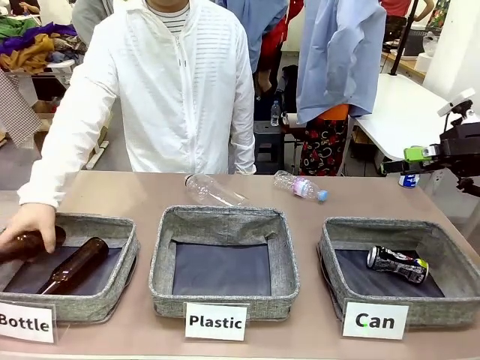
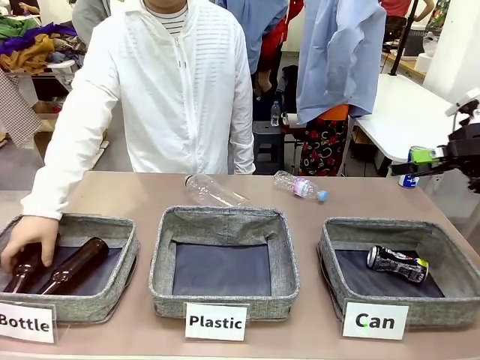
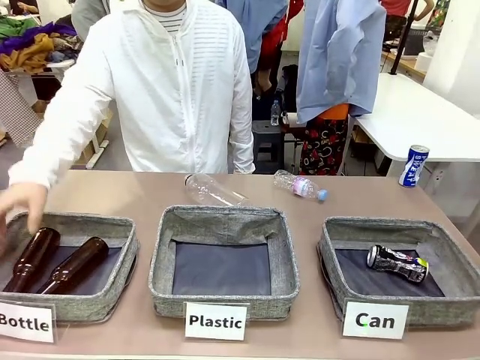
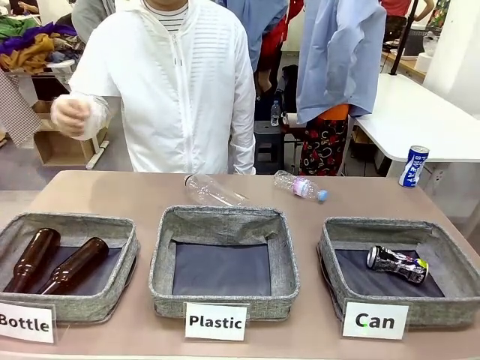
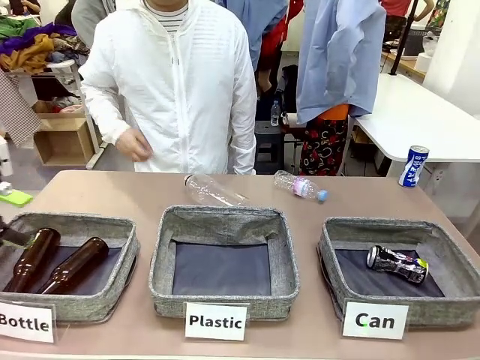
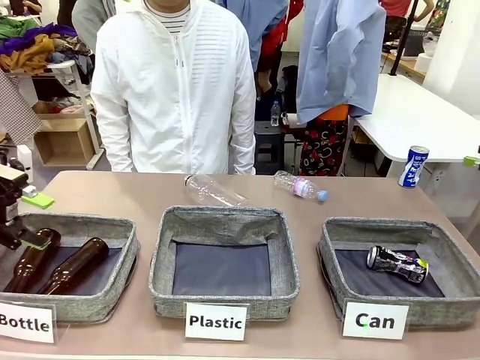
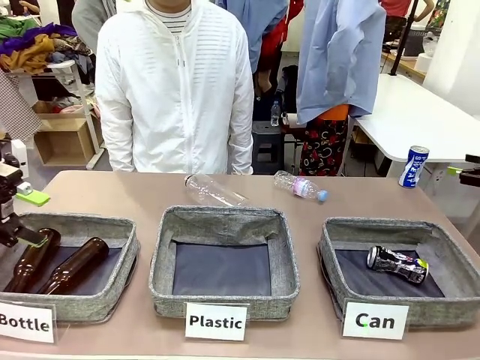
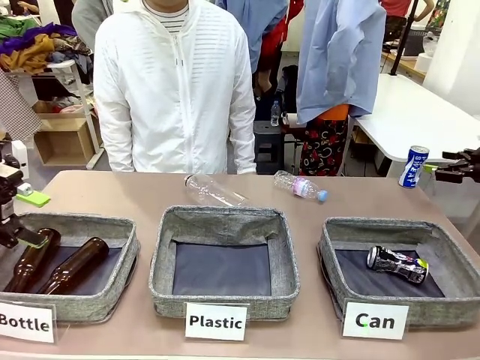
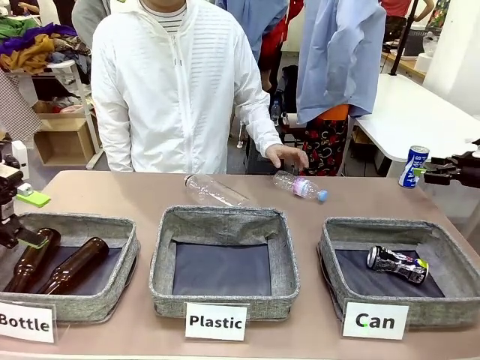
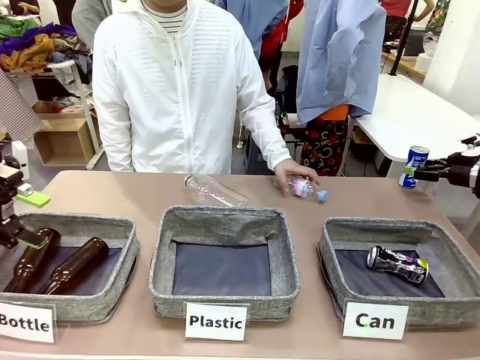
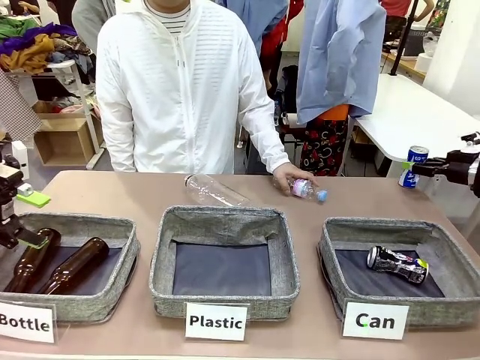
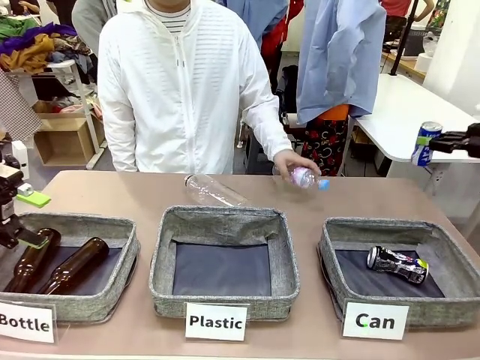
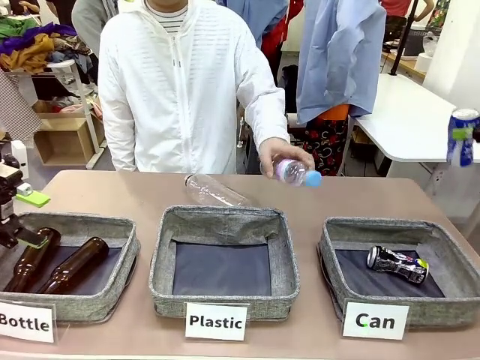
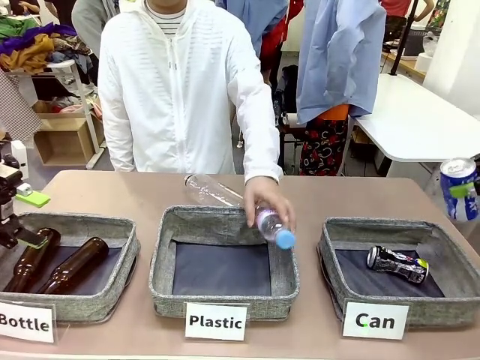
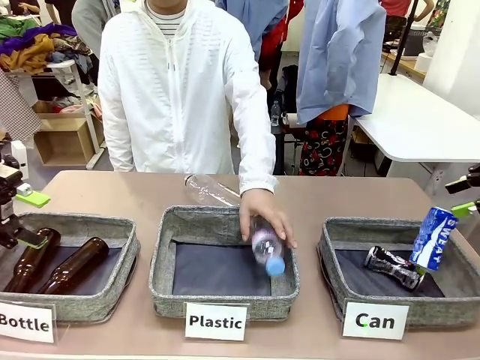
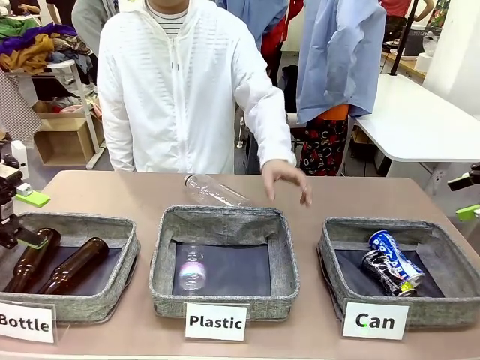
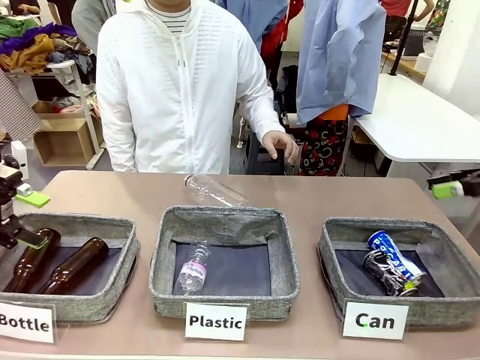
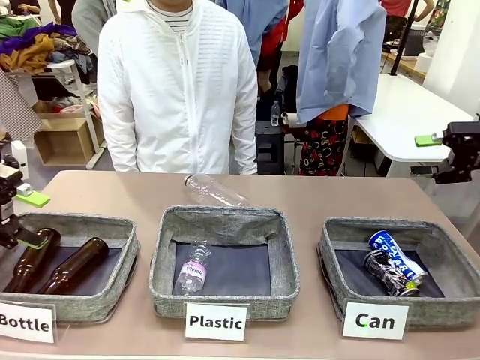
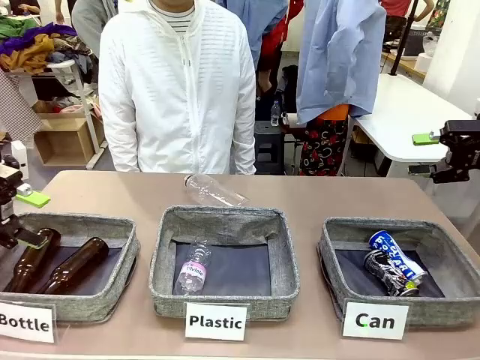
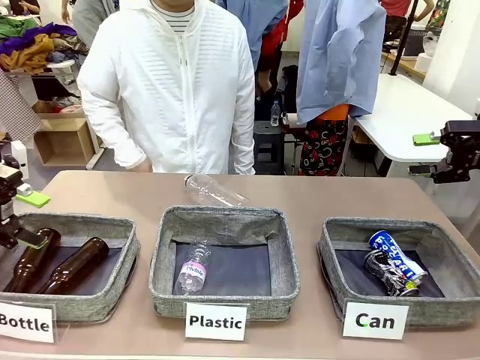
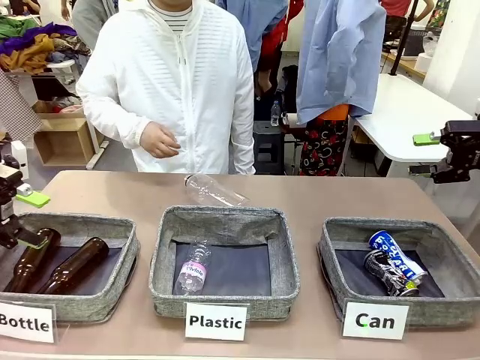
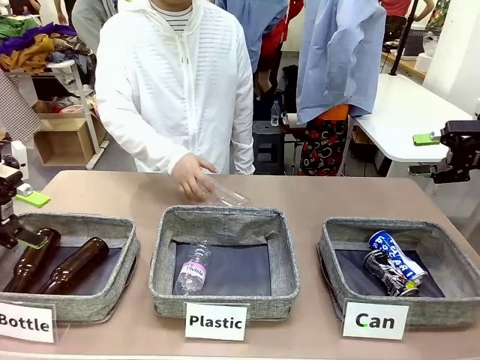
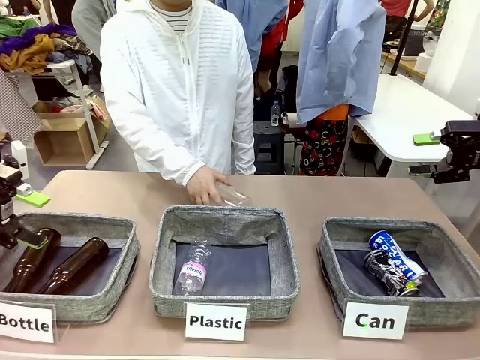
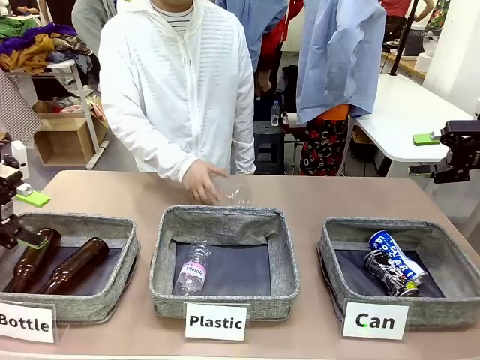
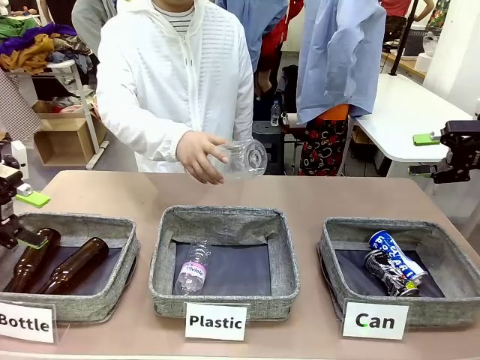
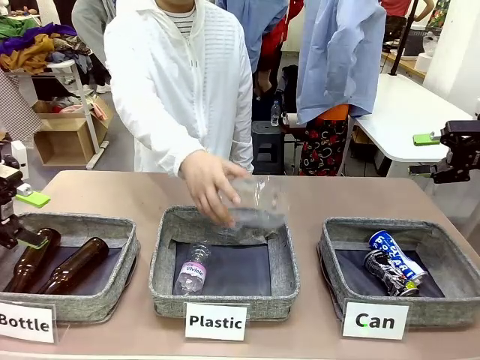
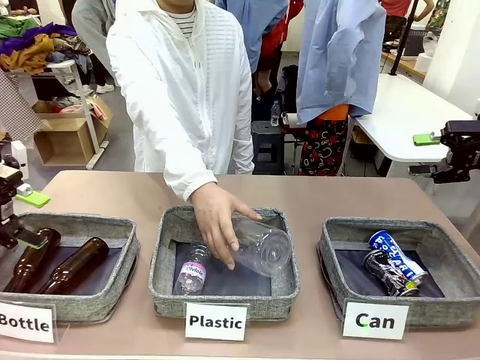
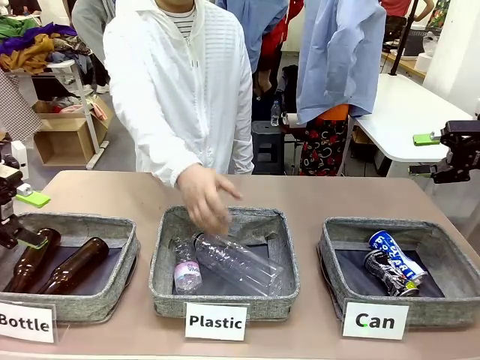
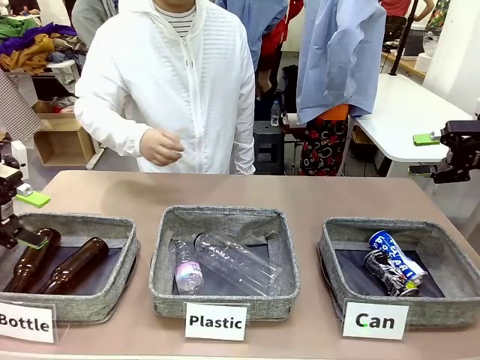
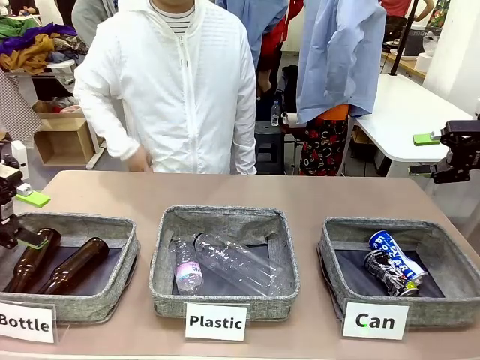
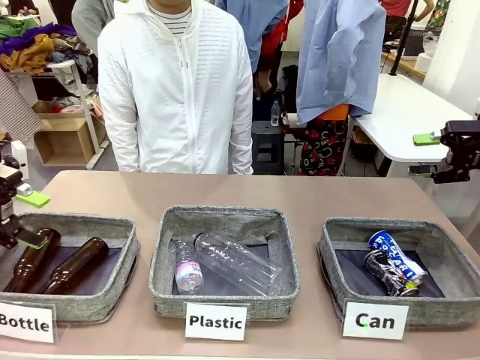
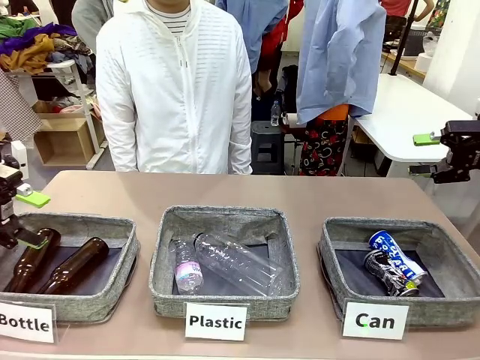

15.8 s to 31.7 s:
Task: Sort the can waste into the basket.
Robot: Pick up the can waste from the table and place it in the right Fabric basket.
Person: The human picks up one piece of trash that is not a can and places the trash into the appropriate organizing basket.

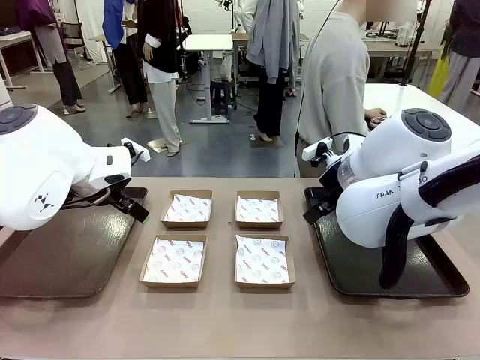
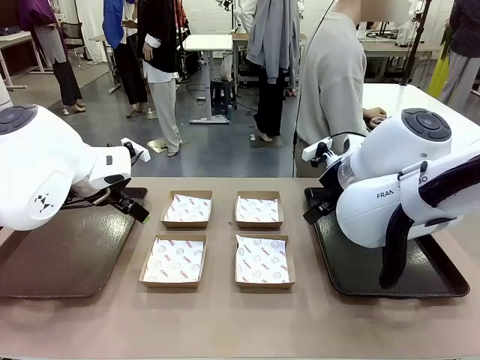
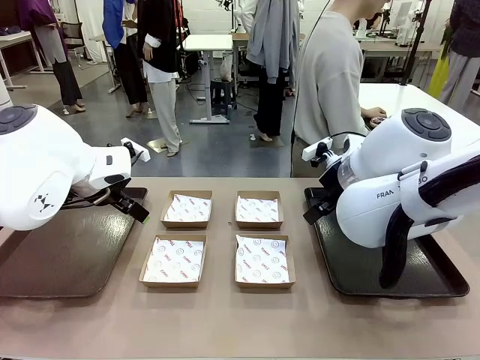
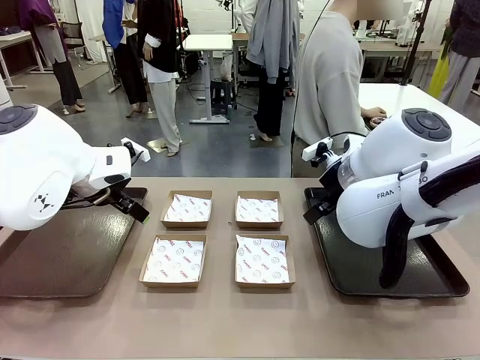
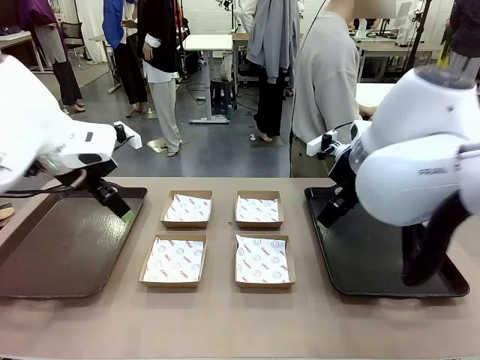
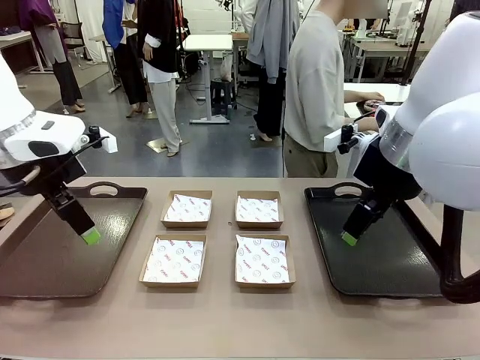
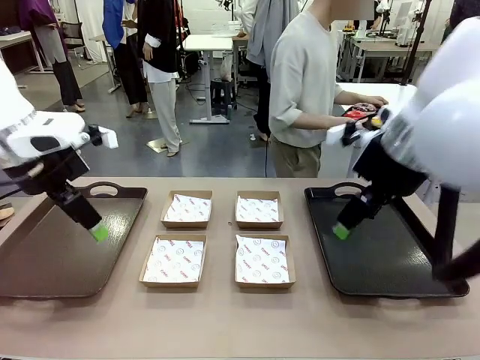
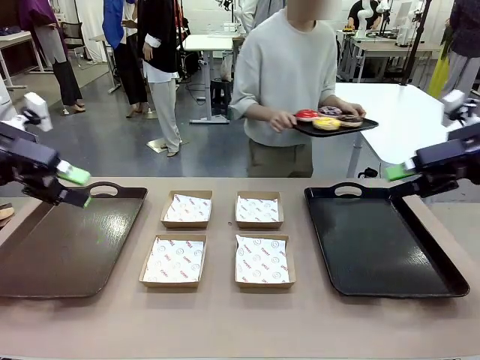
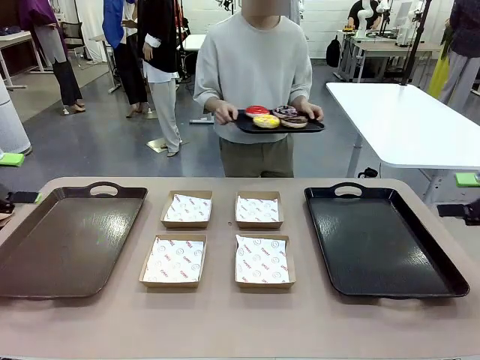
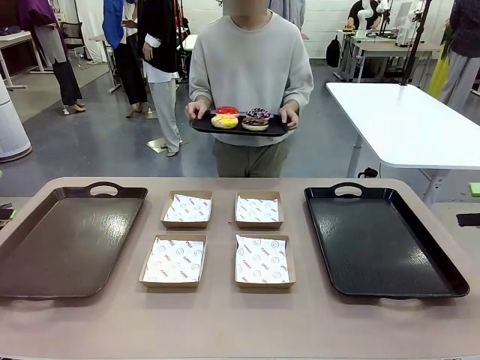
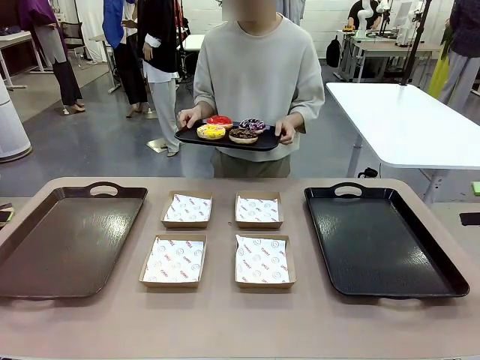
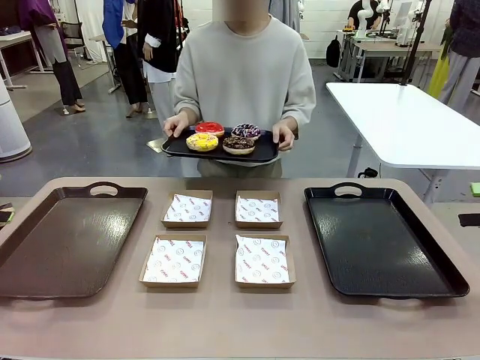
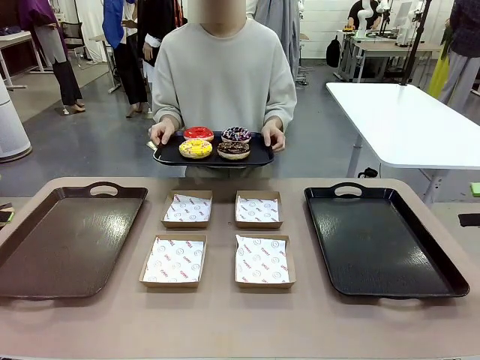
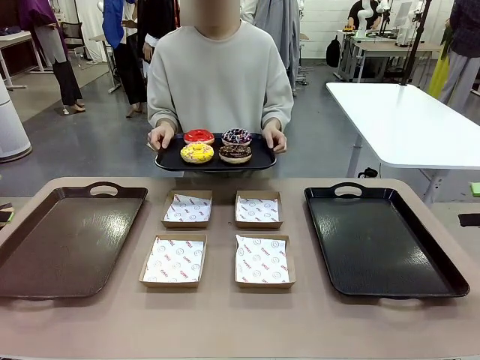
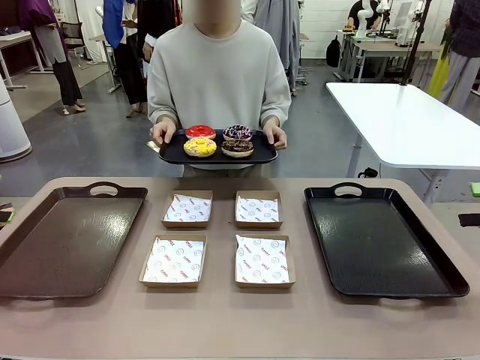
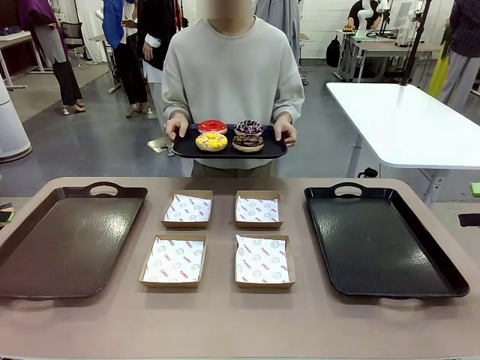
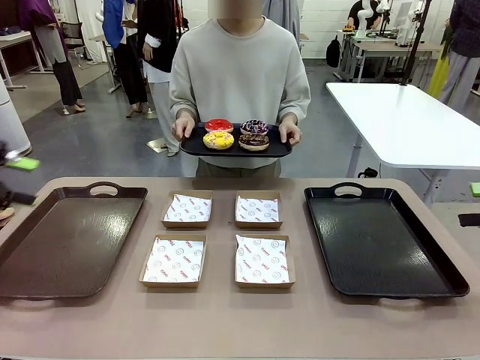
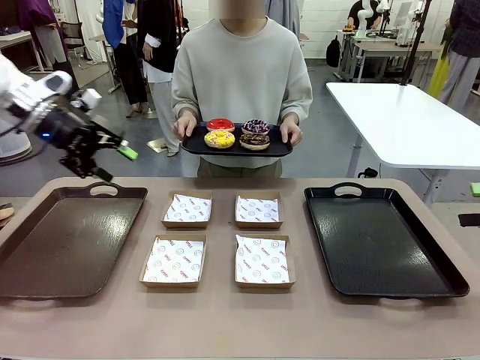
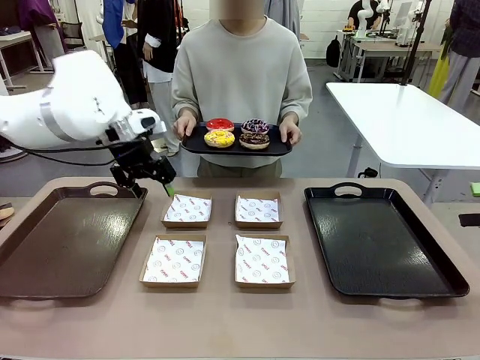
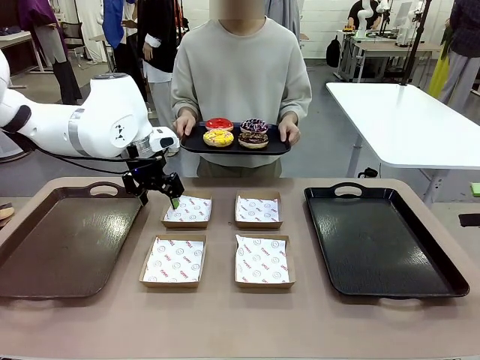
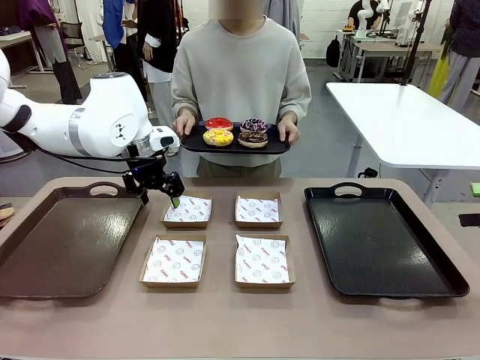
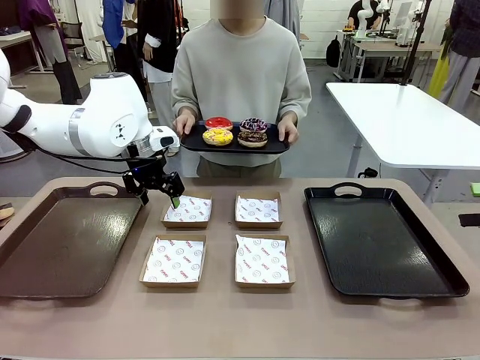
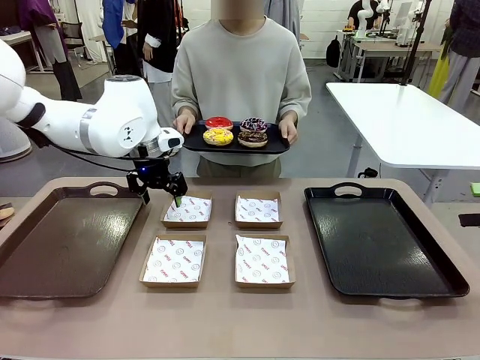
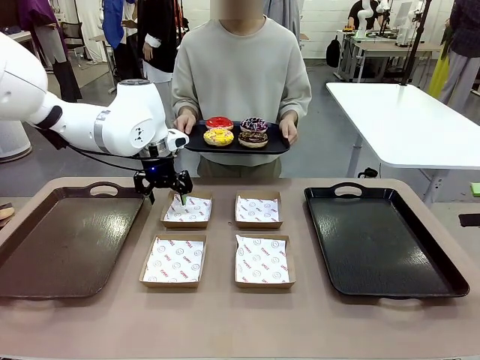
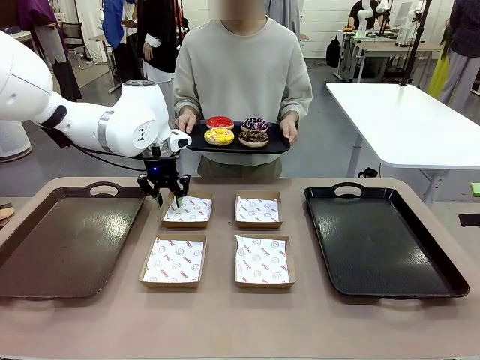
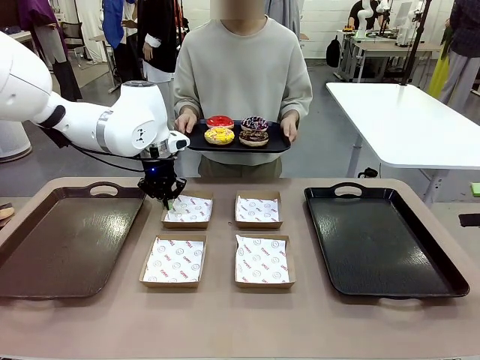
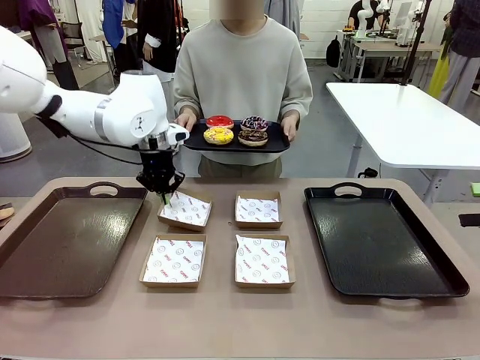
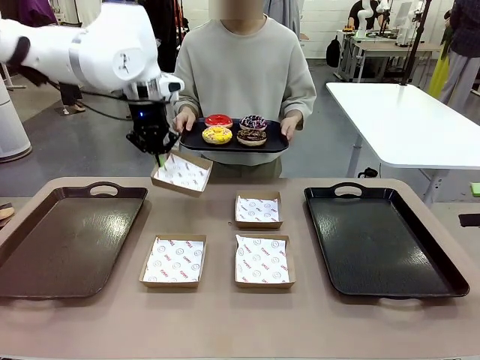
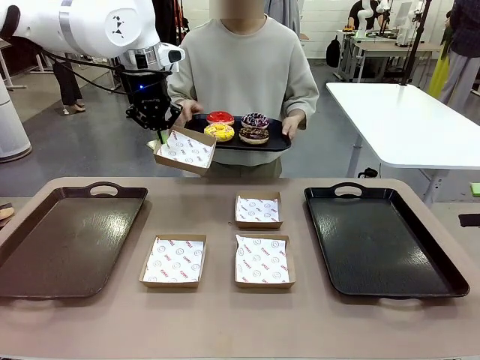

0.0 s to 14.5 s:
Task: Individually package the donuts and arrange them on the tray.
Robot: Pick up one Paper togo box.
Person: Stand in front of the robot table holding the tray containing the donuts.
